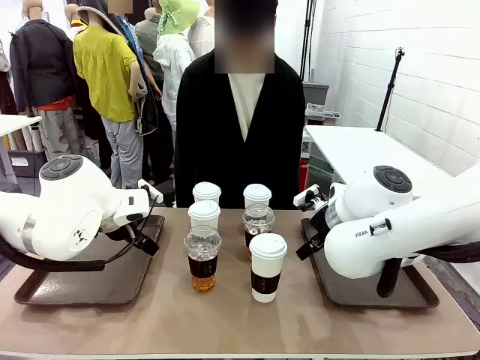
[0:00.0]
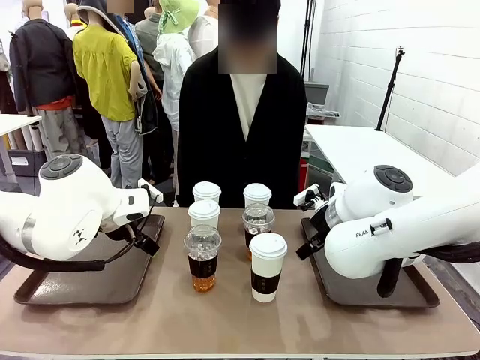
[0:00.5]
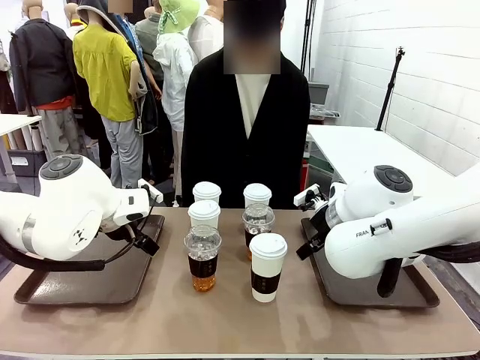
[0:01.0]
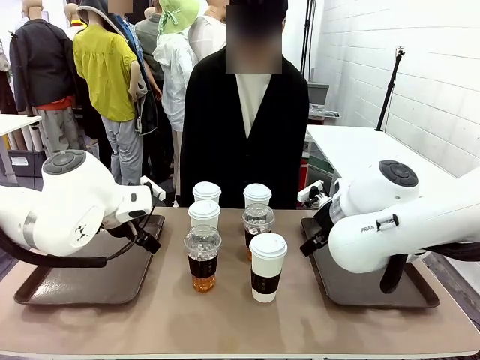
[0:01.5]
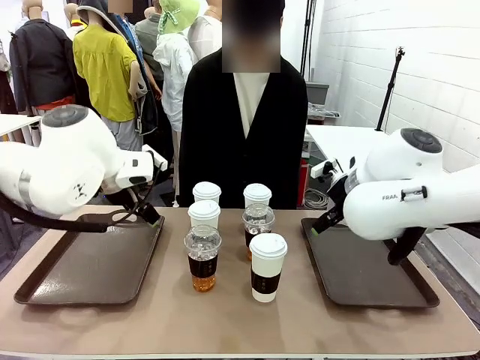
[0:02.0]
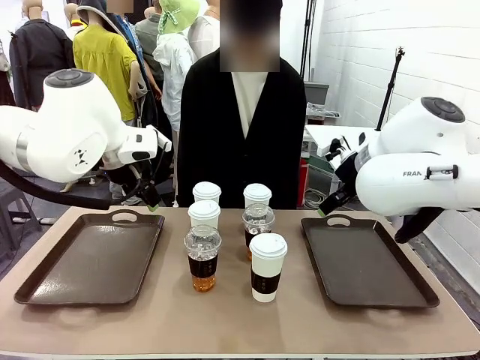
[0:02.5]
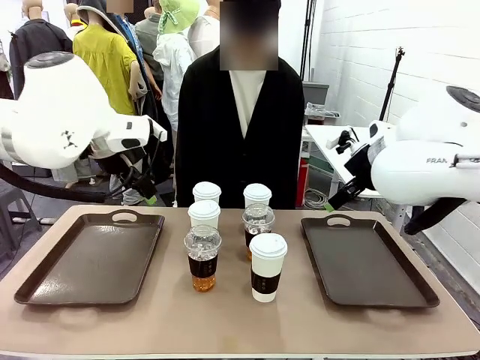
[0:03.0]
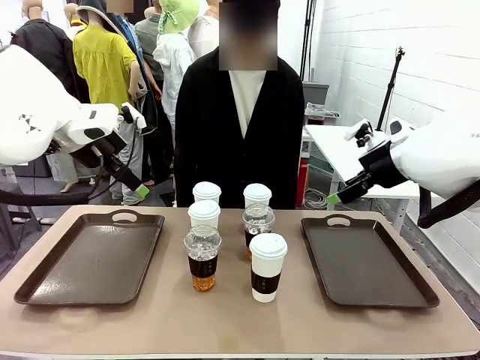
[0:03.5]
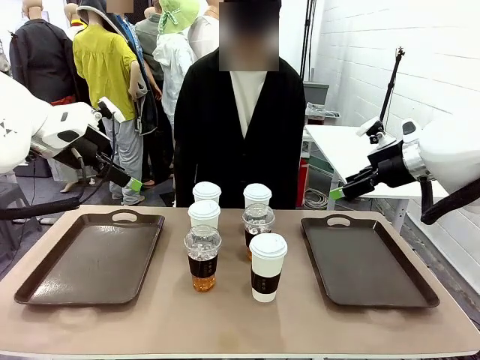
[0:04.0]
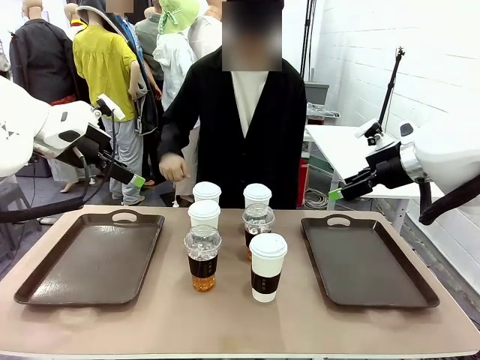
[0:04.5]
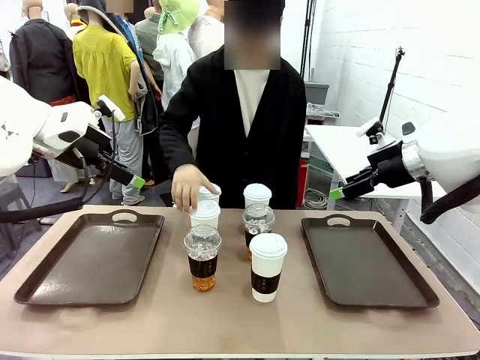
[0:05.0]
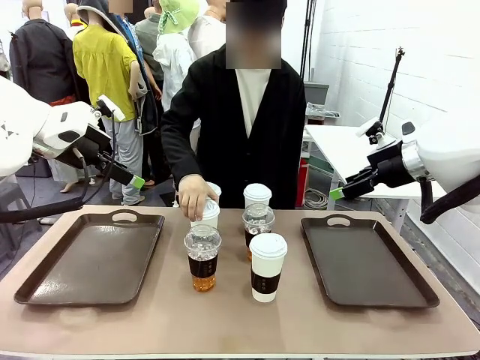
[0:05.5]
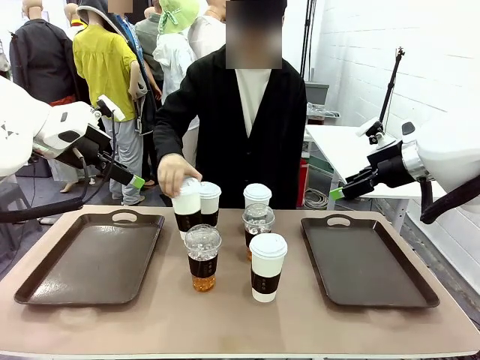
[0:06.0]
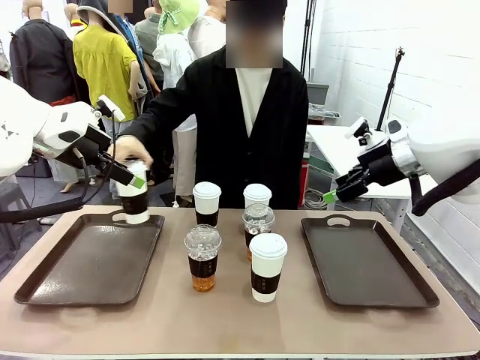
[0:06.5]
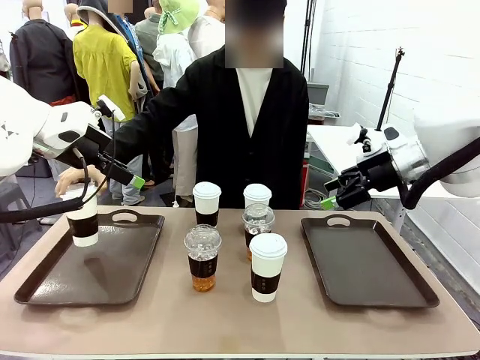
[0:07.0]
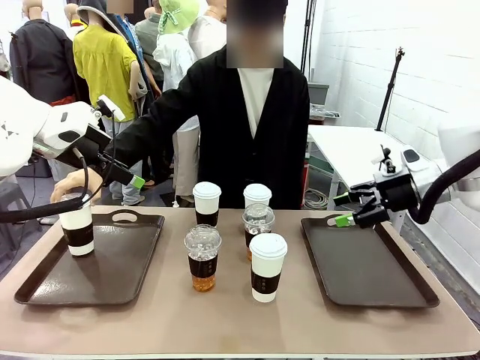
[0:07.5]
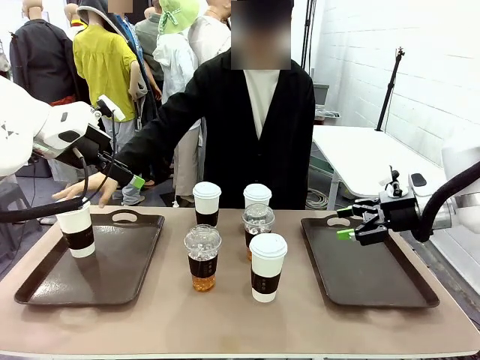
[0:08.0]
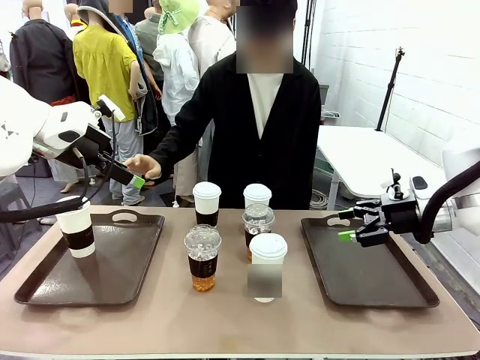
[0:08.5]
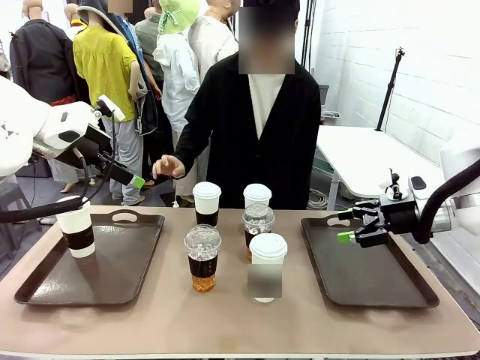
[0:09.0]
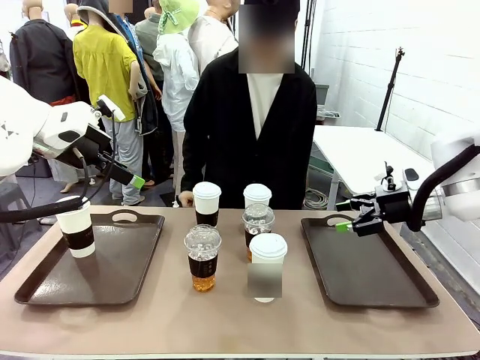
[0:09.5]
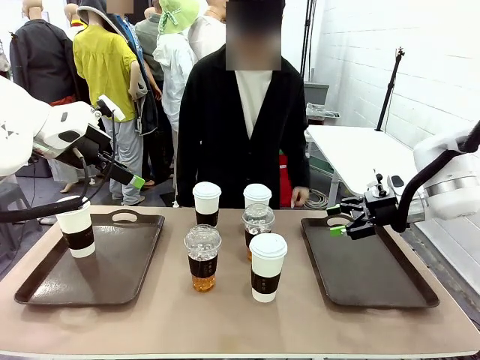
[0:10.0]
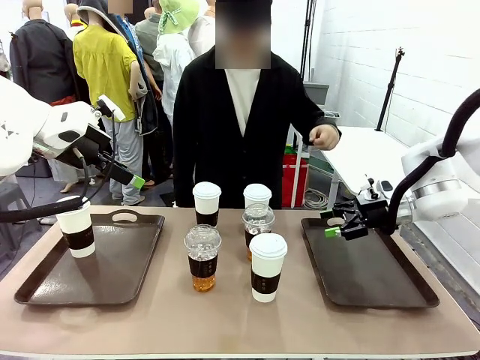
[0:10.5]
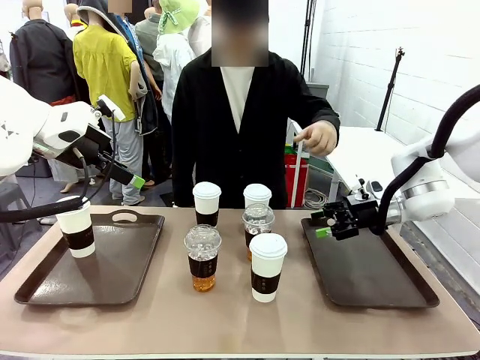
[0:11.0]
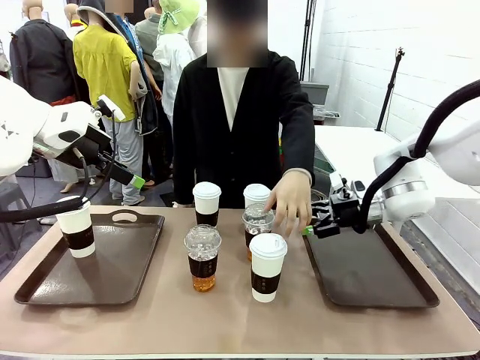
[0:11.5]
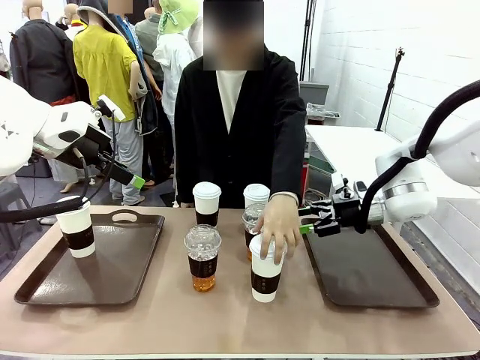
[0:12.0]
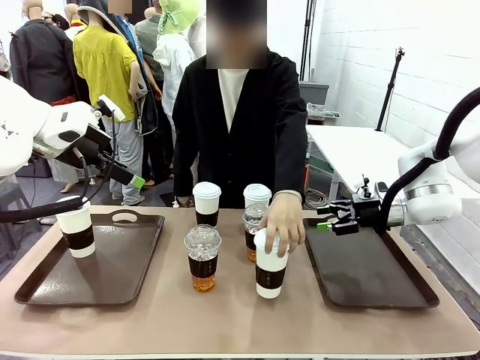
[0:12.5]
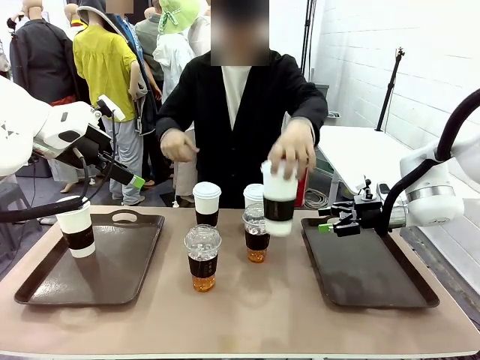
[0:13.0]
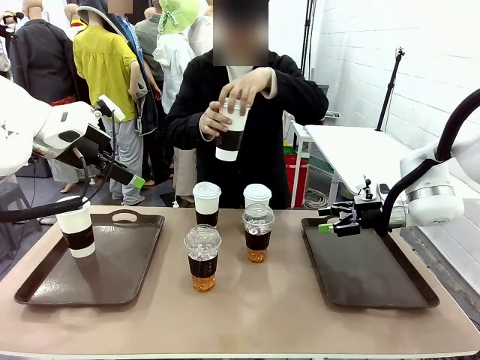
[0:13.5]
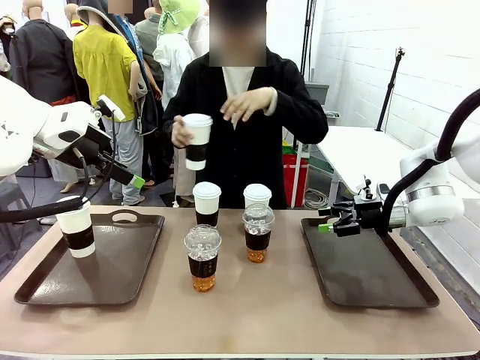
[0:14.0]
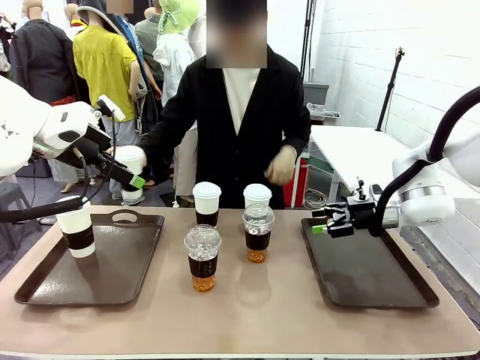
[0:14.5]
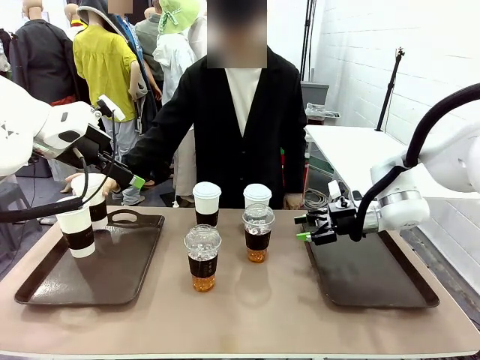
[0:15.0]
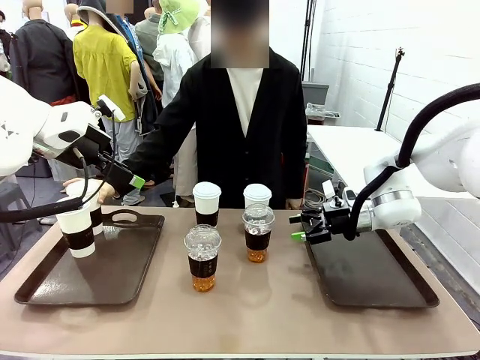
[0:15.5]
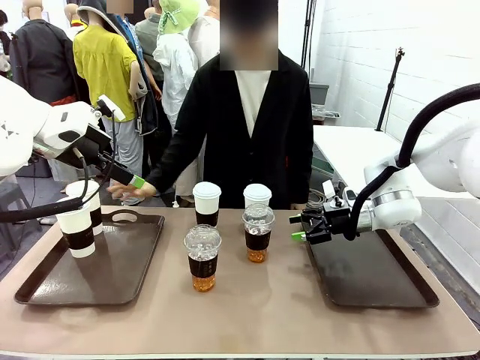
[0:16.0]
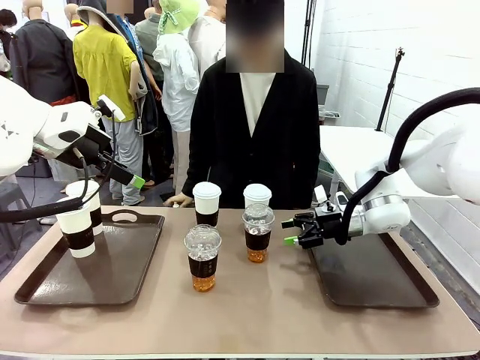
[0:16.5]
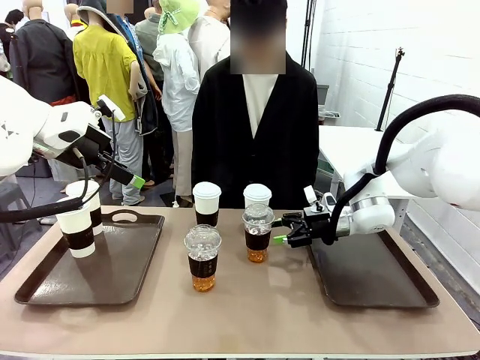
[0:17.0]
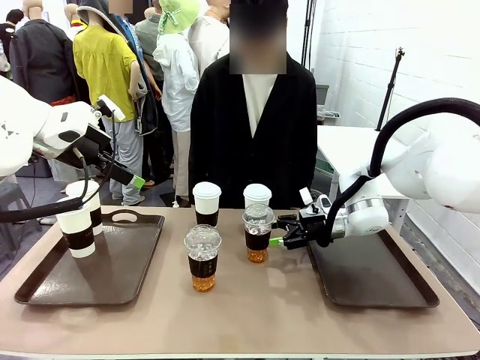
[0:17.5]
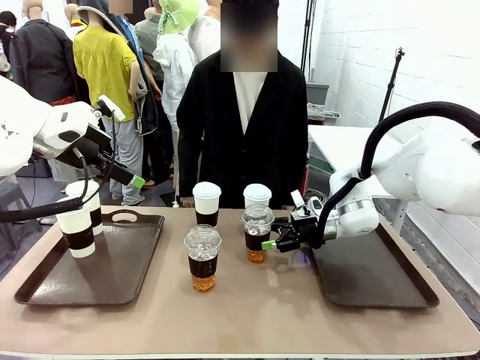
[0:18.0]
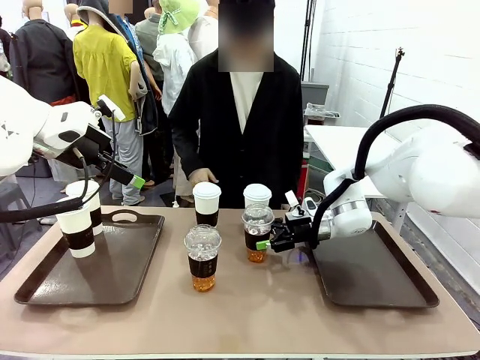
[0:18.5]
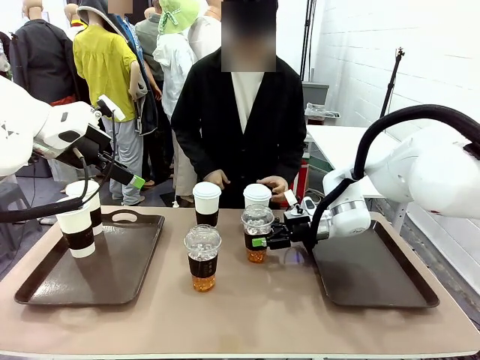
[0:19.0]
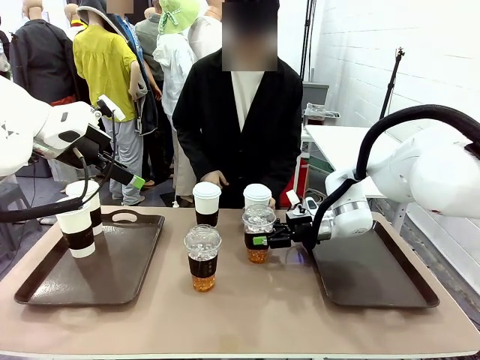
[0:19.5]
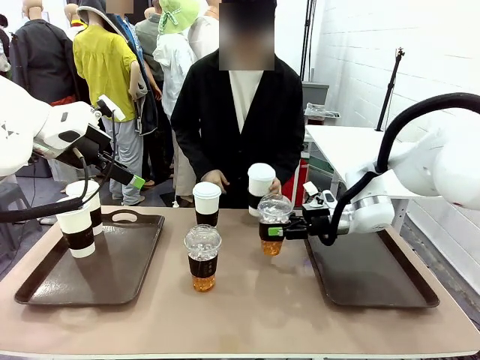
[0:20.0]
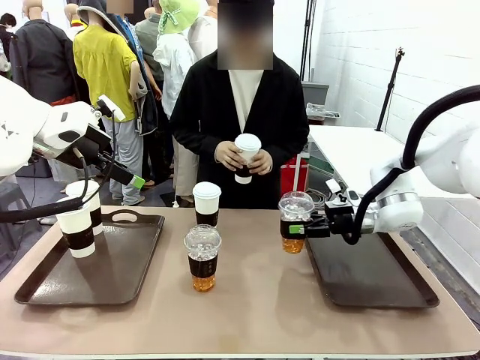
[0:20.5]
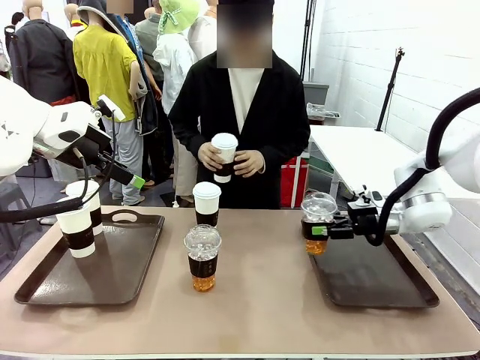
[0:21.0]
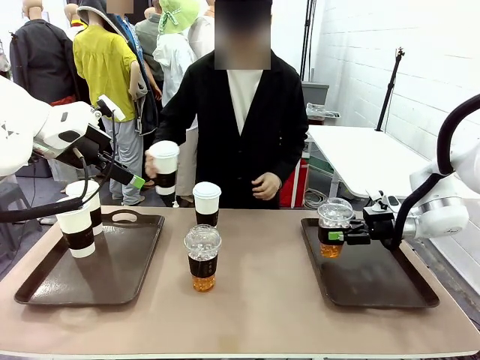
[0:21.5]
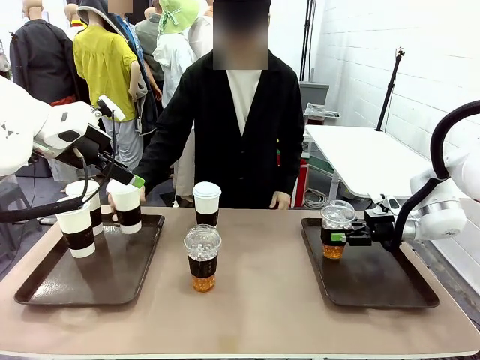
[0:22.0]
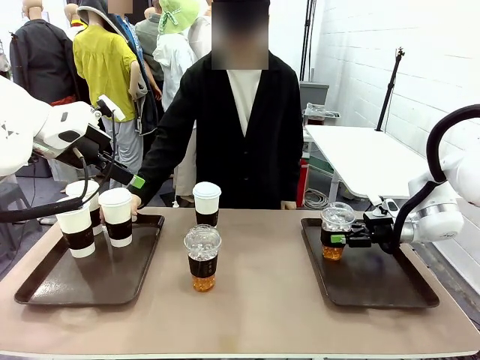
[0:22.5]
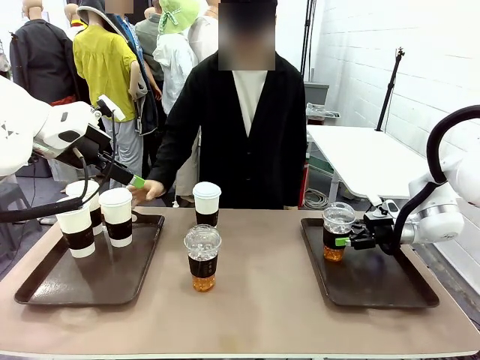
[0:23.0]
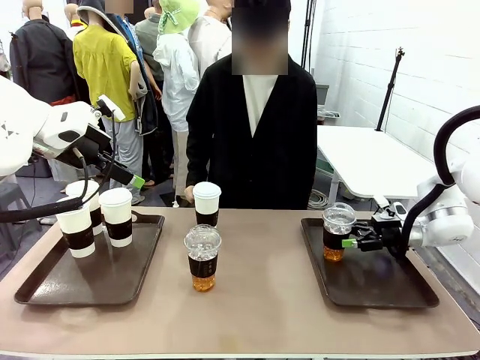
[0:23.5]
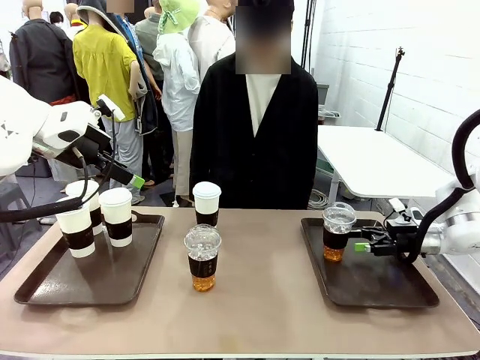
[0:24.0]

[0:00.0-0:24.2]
Task: Distribute the coffee onto the tray.
Robot: Pick up one iced Americano and place it on the right Handle tray.
Person: Pick up a cup of hot Americano and place it on the right tray. Pick up a cup of hot Americano from the middle of the table and place it on the right tray.
